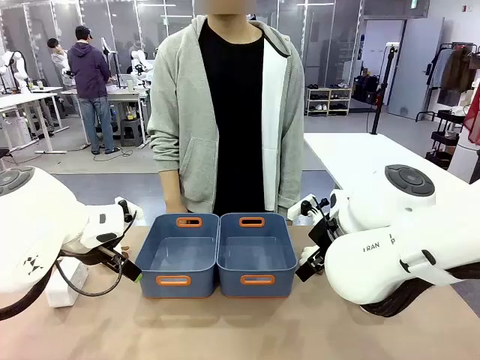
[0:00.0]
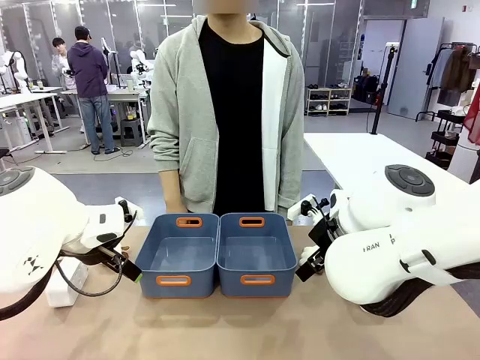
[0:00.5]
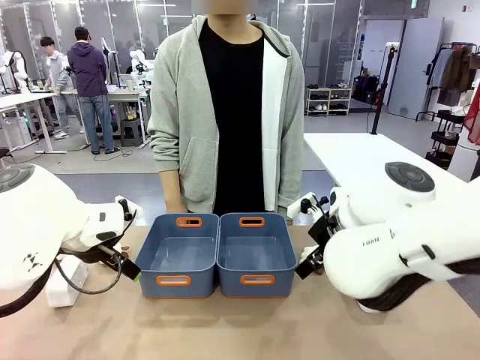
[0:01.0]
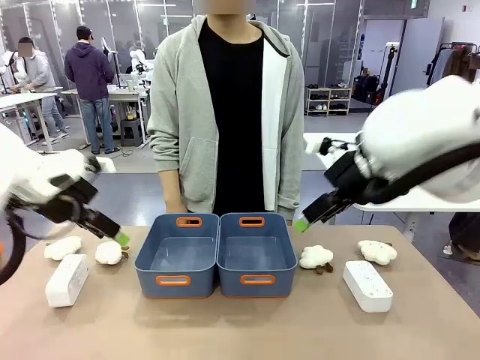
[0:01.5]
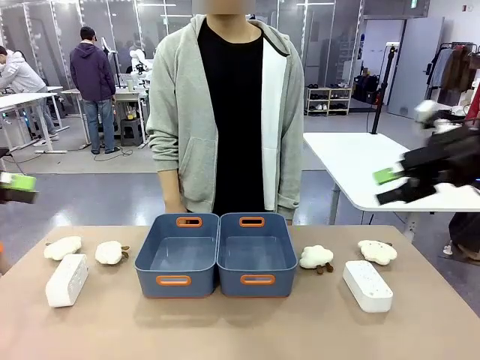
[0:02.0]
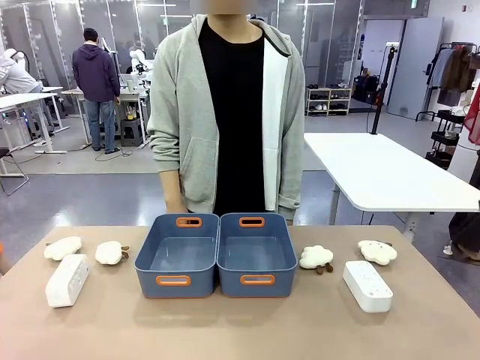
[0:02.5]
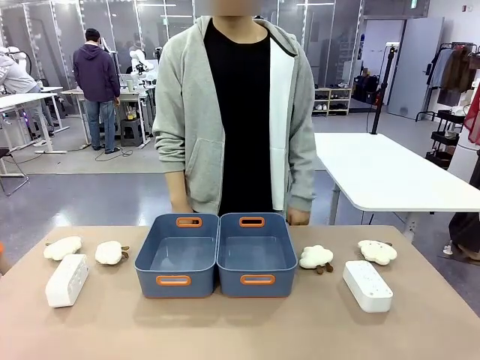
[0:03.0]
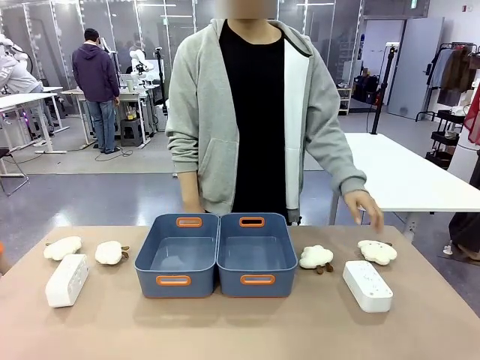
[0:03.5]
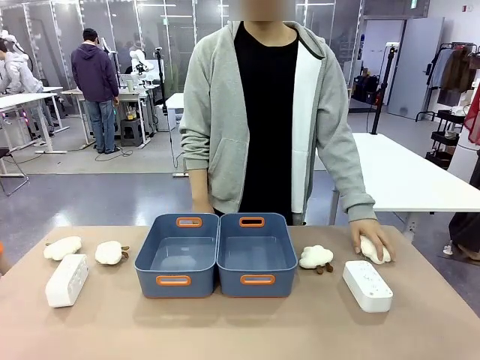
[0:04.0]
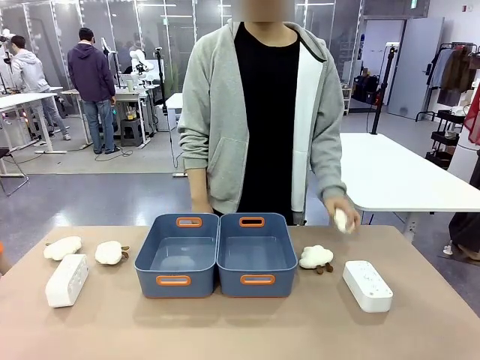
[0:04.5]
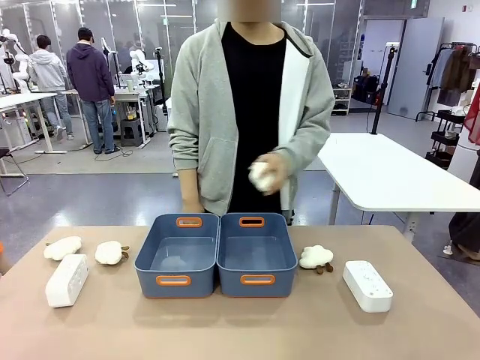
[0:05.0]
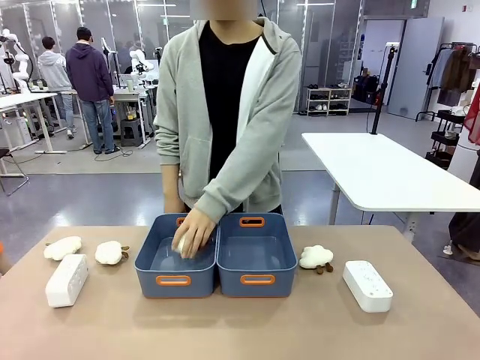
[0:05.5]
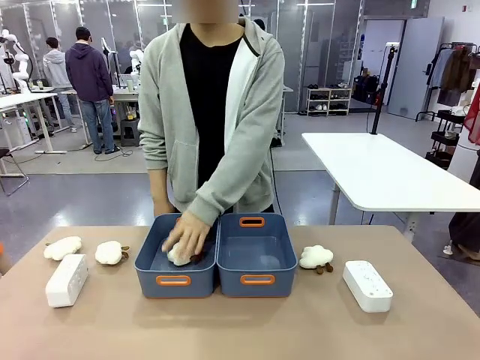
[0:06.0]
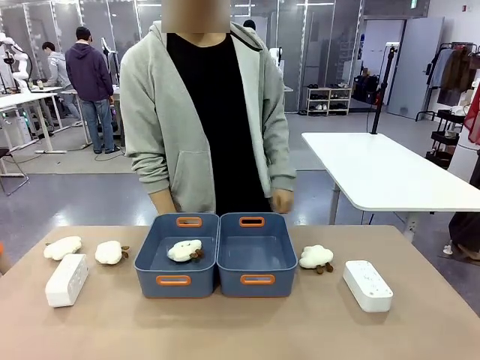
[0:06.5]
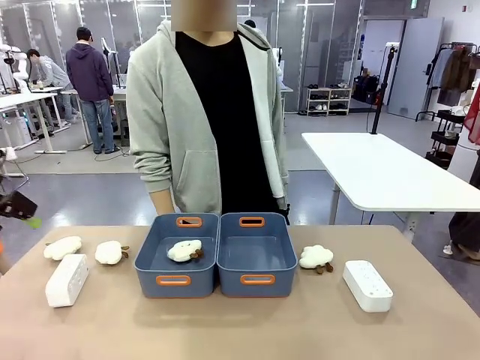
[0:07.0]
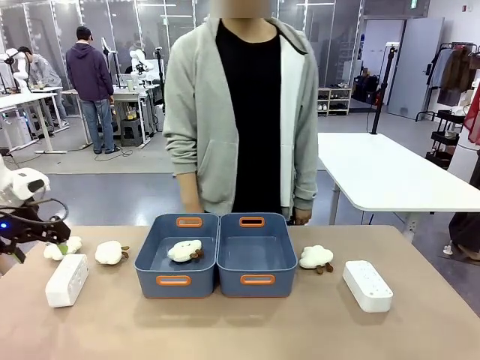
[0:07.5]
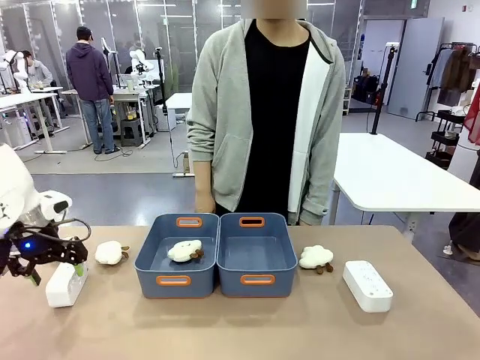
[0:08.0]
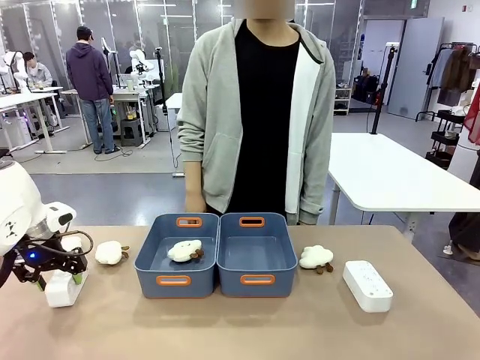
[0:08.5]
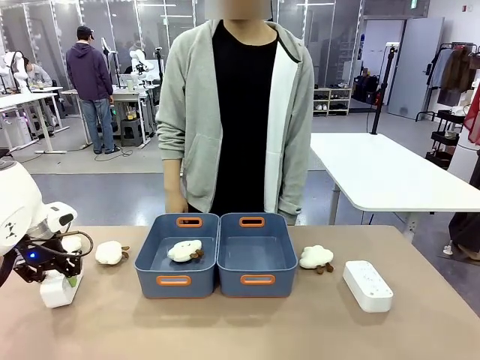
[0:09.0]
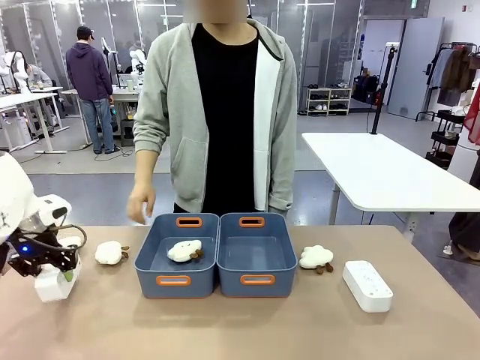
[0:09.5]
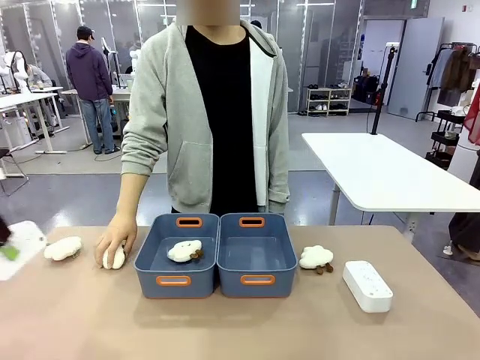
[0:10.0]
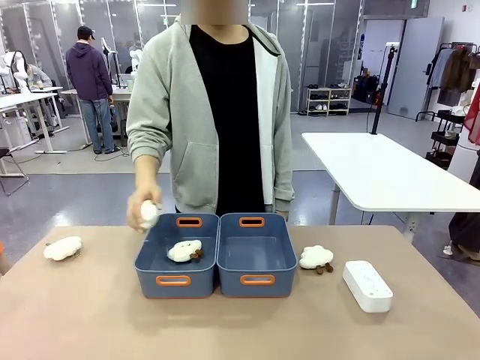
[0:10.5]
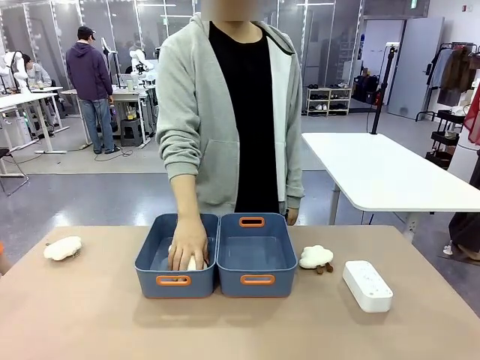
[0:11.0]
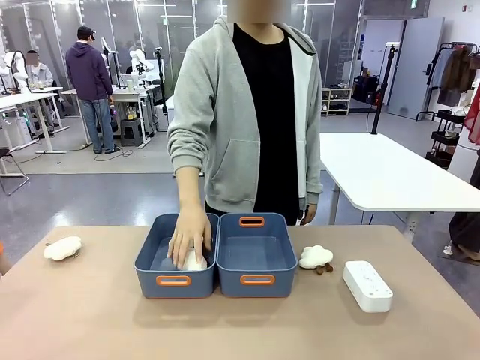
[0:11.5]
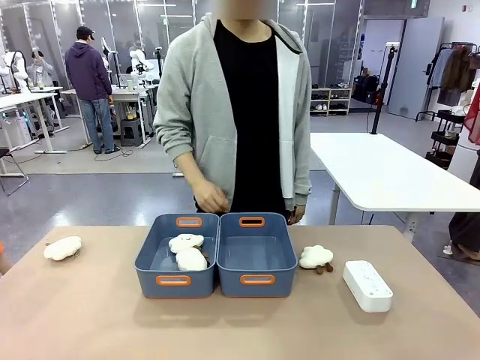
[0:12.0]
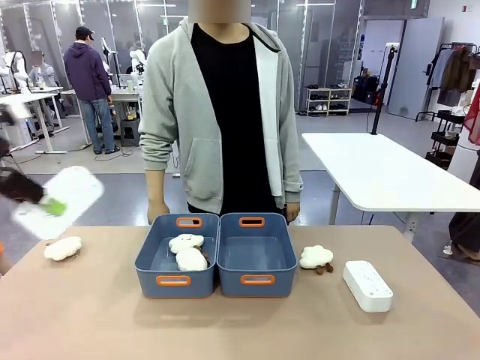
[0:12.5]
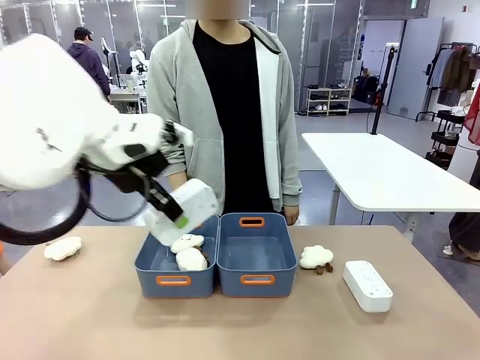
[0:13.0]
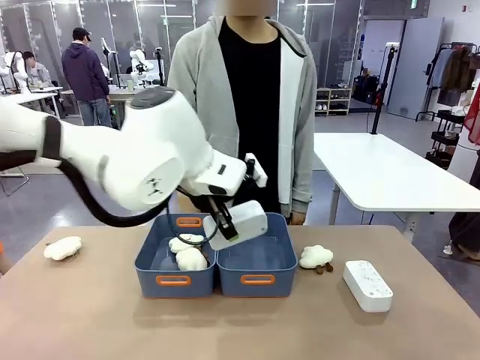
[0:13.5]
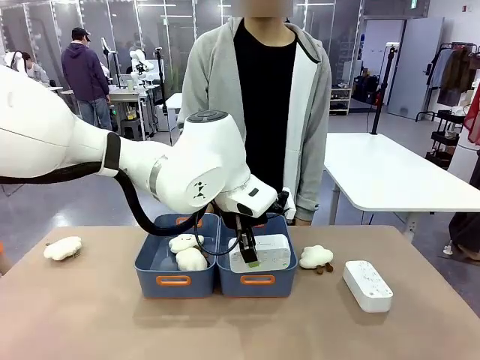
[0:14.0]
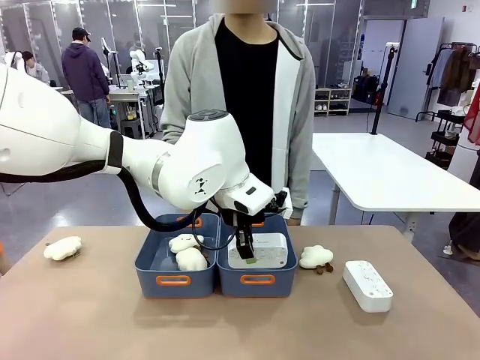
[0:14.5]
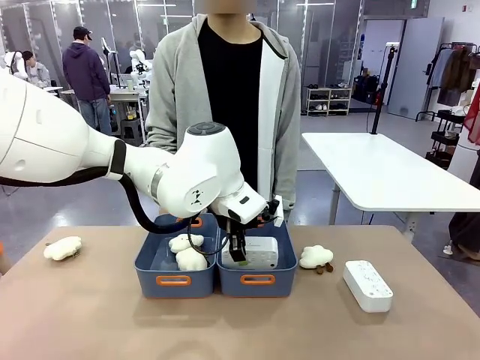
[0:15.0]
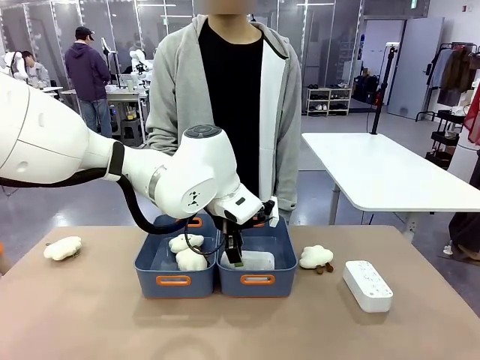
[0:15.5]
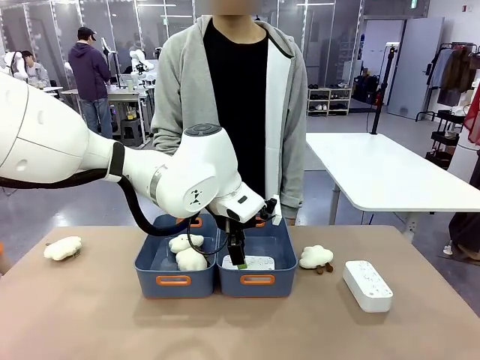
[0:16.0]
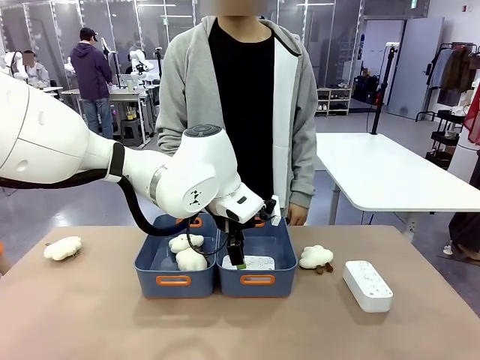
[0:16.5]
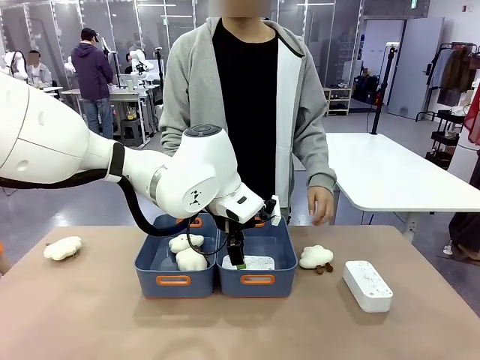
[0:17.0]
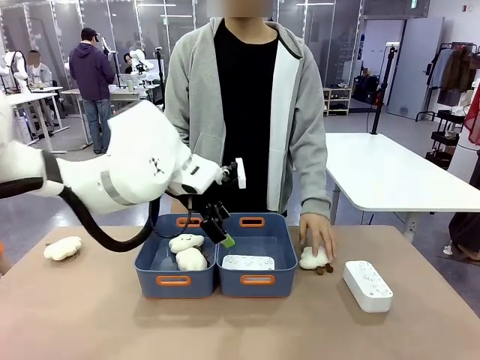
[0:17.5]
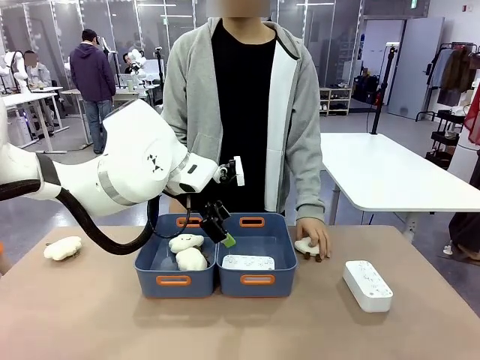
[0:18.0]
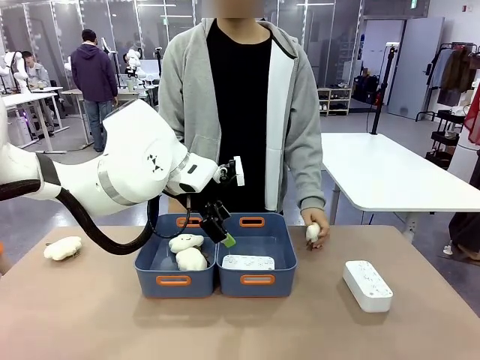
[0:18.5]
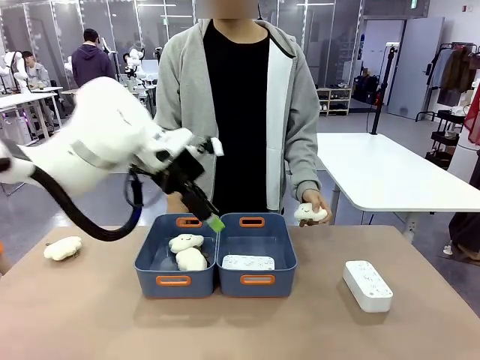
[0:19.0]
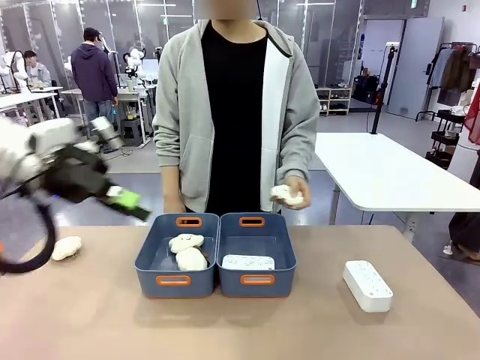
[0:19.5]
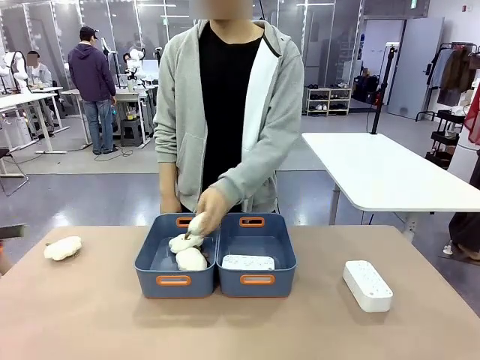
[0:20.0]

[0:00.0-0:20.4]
Task: Sort the digital clocks into the basket.
Robot: Pick up the Digital clock from the table and place it into the empty Plastic storage basket.
Person: Pick up a plush toy from the table and place it in a plastic storage basket.
